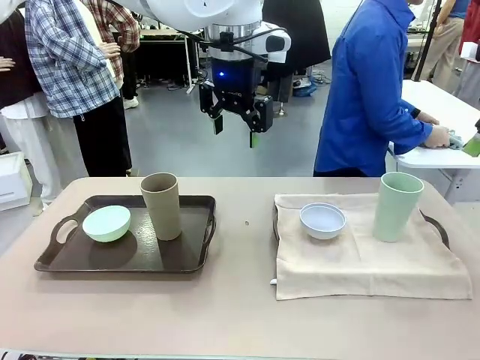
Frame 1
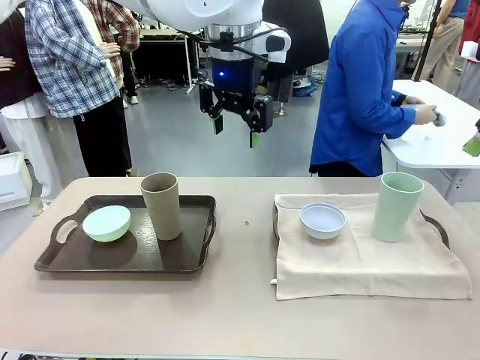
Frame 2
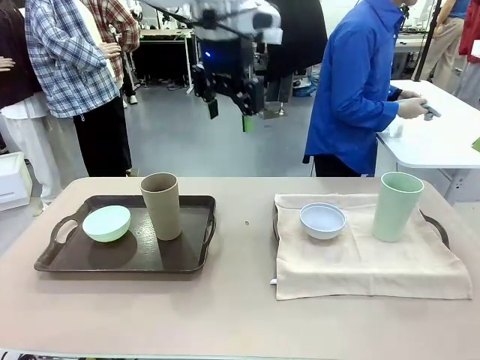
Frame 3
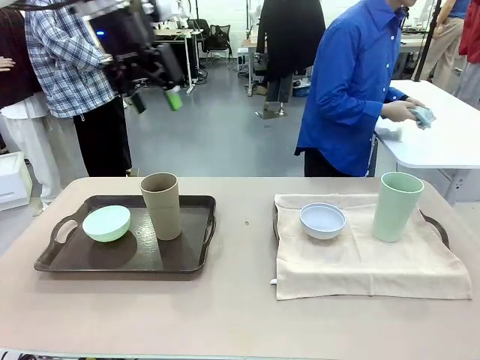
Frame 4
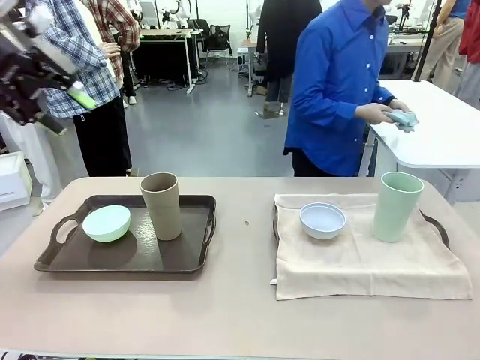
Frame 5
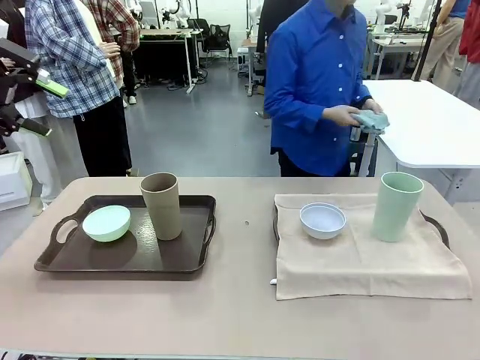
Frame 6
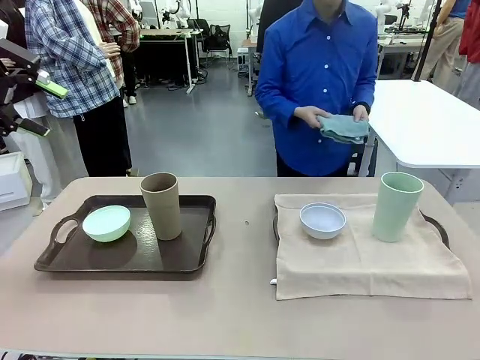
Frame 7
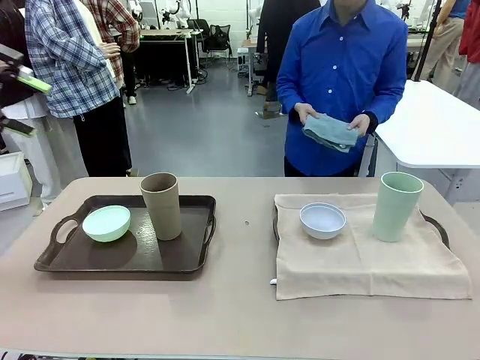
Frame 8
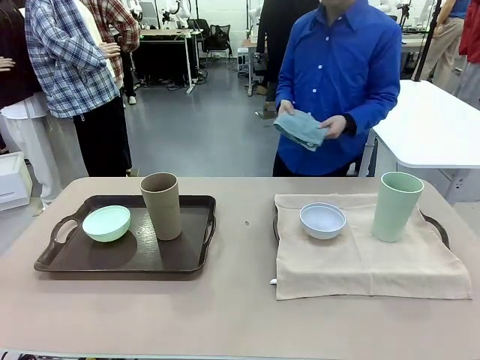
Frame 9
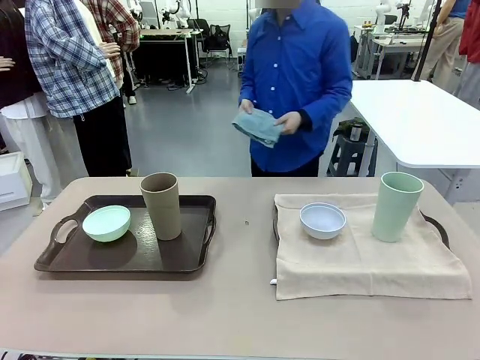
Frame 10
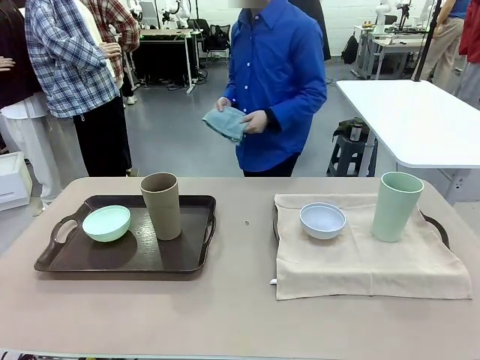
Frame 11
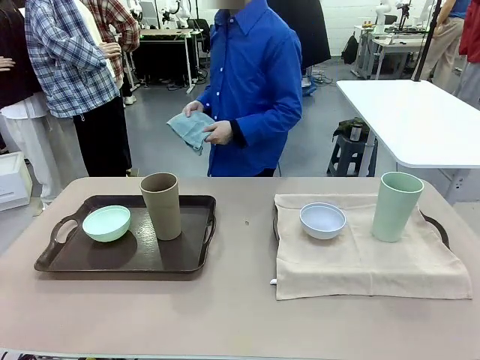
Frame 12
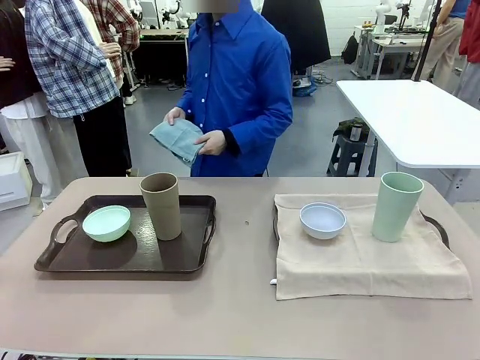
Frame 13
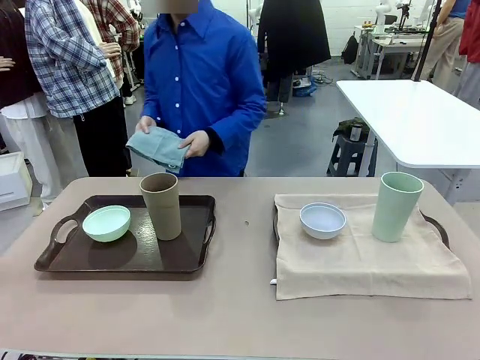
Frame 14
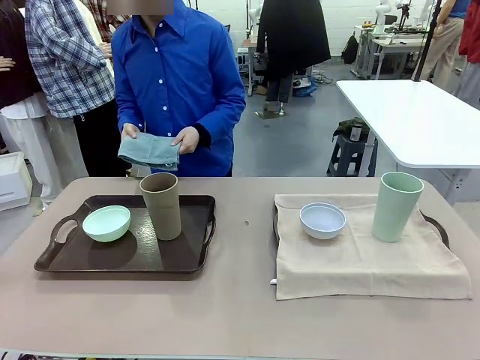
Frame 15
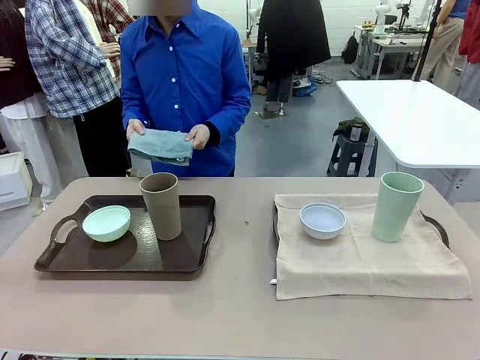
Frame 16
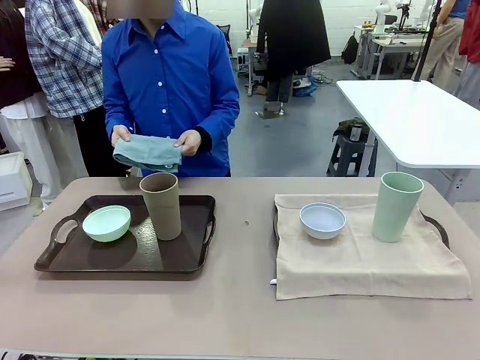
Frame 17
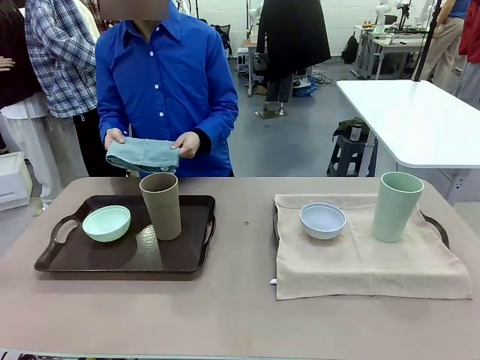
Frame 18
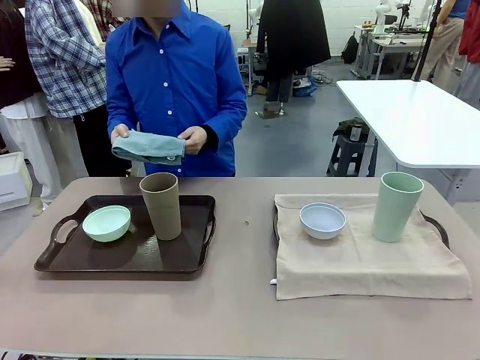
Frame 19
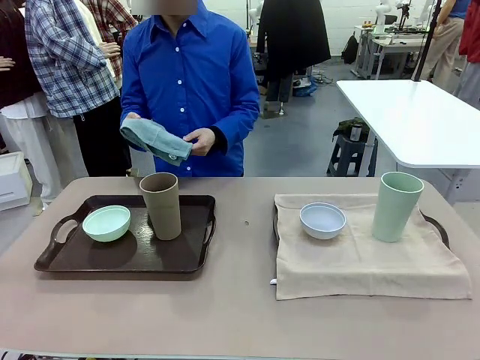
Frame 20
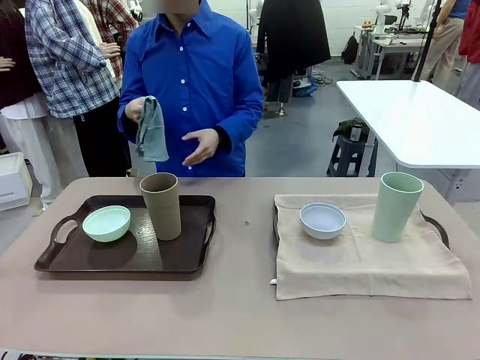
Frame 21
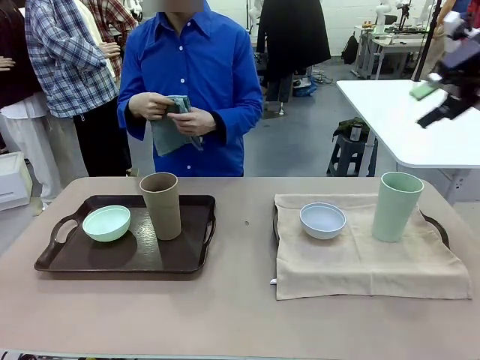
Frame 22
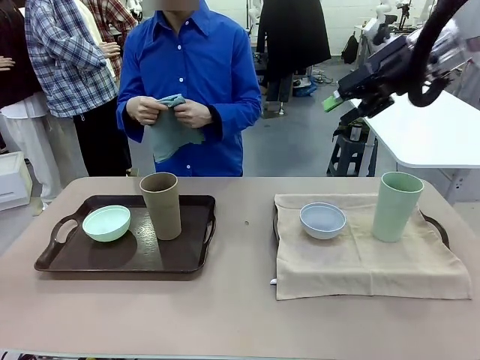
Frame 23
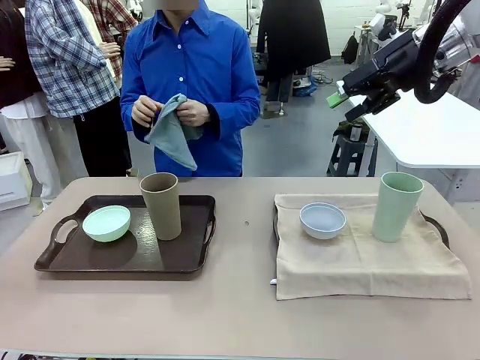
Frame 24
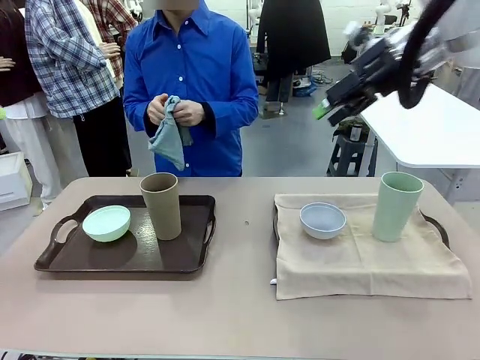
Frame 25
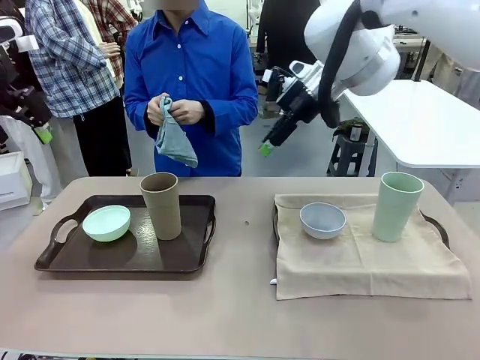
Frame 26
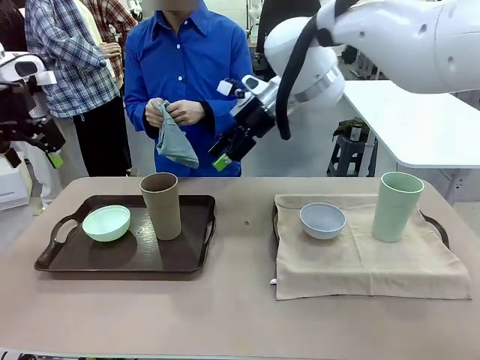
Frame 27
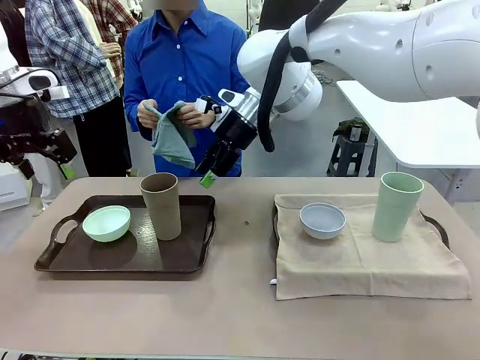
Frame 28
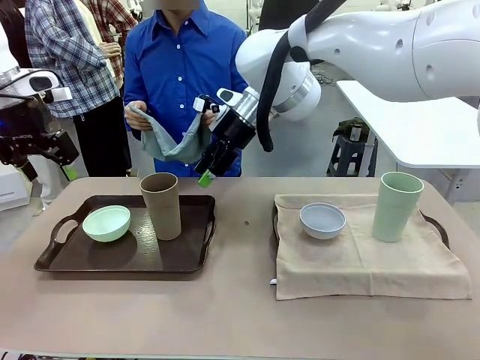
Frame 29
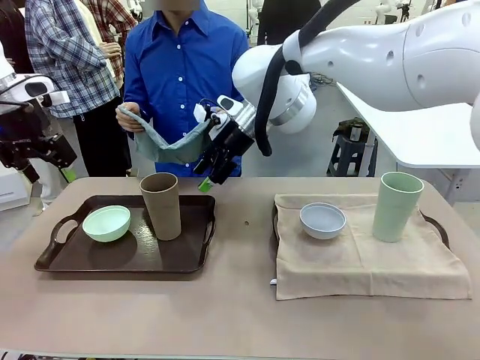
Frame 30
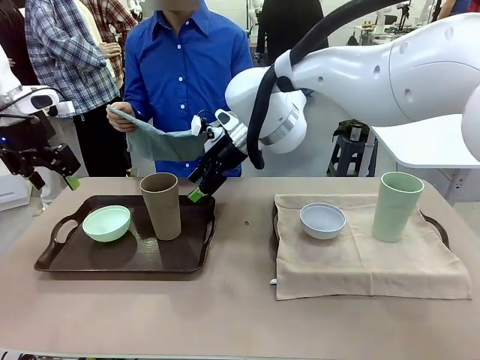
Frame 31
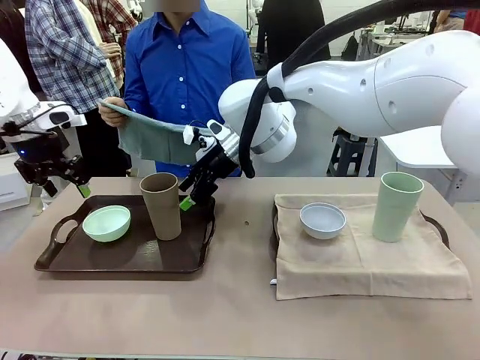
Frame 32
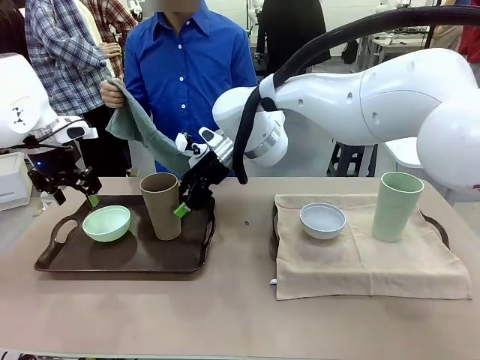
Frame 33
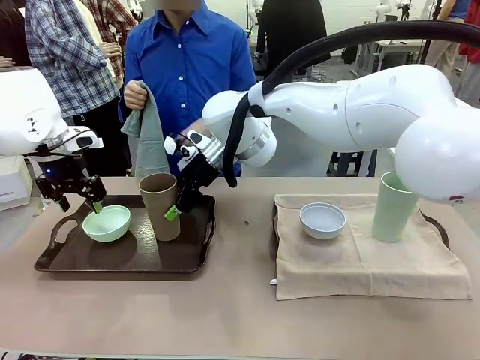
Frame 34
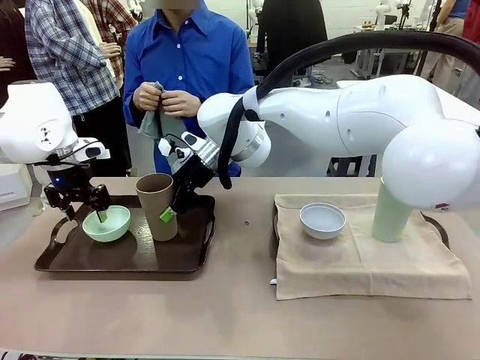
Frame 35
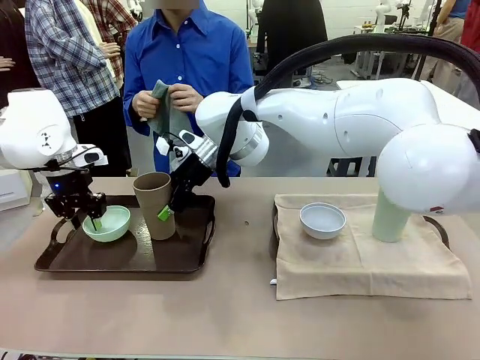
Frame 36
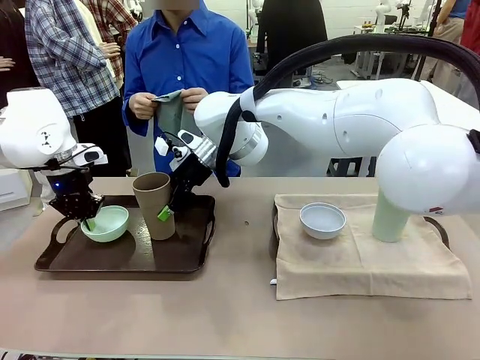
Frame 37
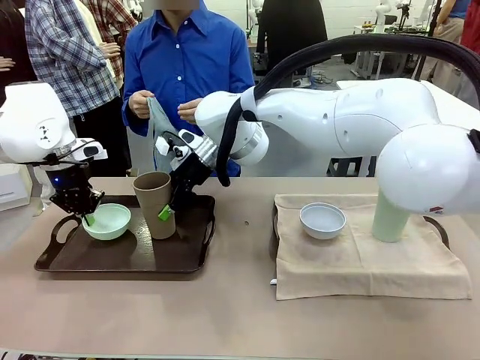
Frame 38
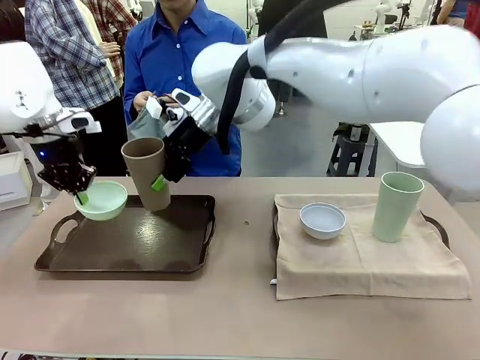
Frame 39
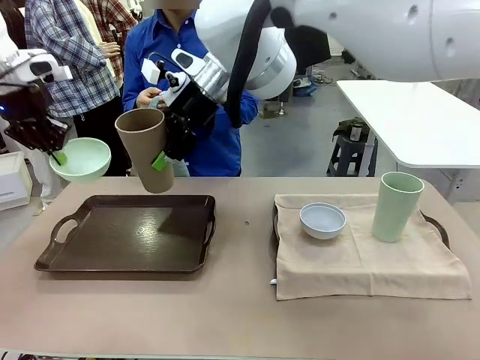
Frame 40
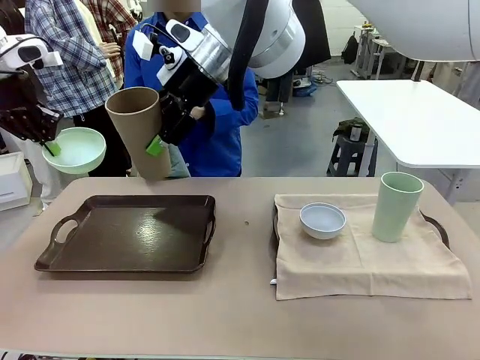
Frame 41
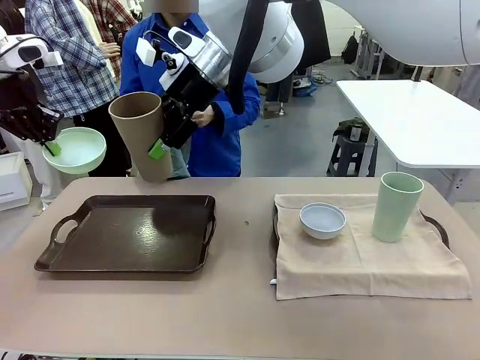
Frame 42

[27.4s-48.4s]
Robot: Pick up the Picnic Bowl and Reusable plastic cup from the Handle tray in front of the human's position and hold them in the air.
Person: The human returns to the human table to pick up another napkin and walks to the robot table to stand in front of the tray without a napkin.
